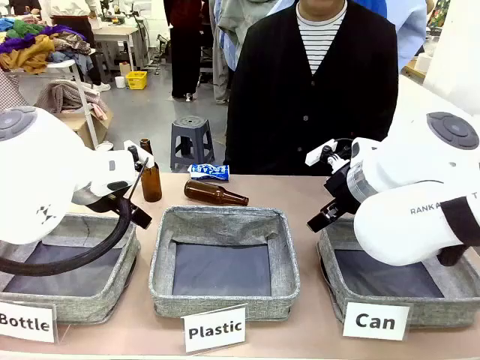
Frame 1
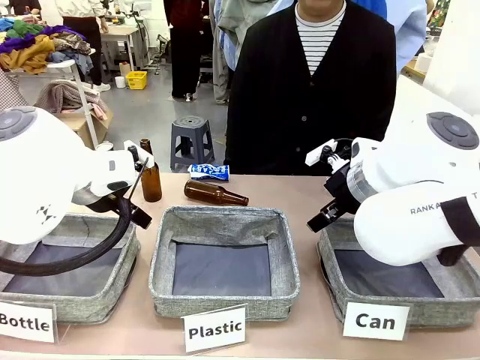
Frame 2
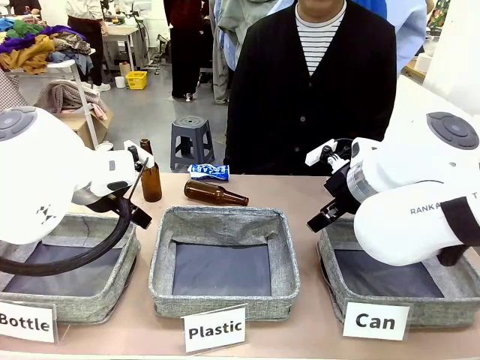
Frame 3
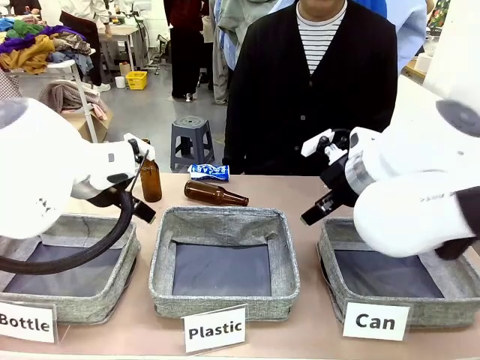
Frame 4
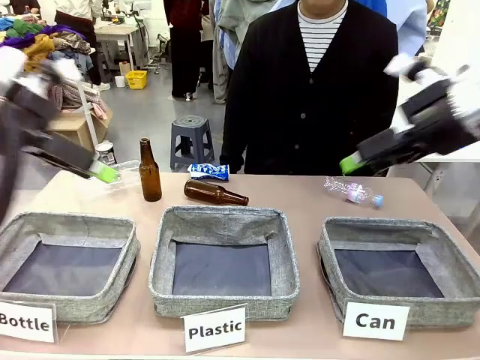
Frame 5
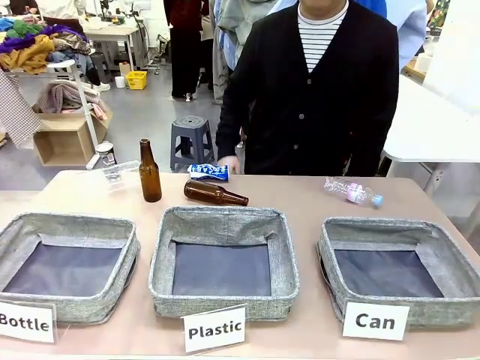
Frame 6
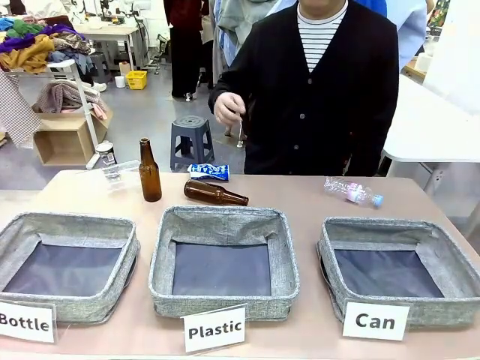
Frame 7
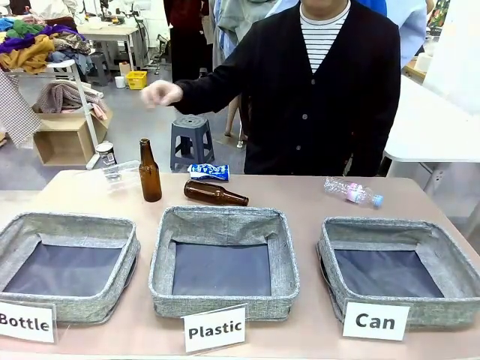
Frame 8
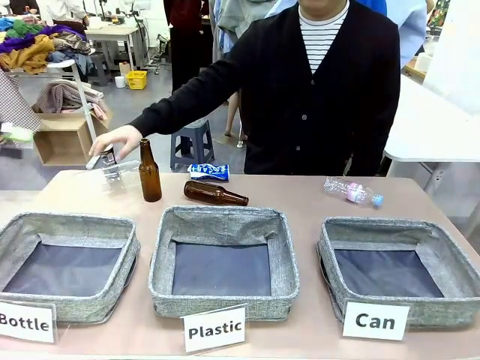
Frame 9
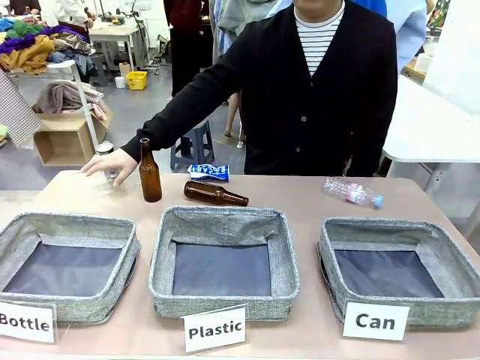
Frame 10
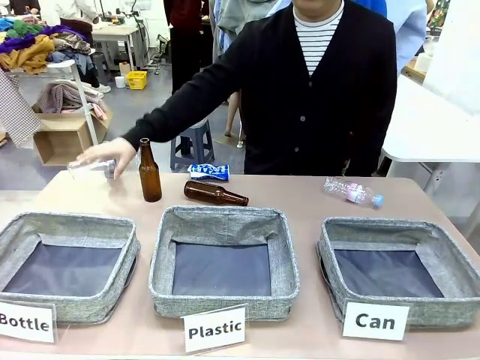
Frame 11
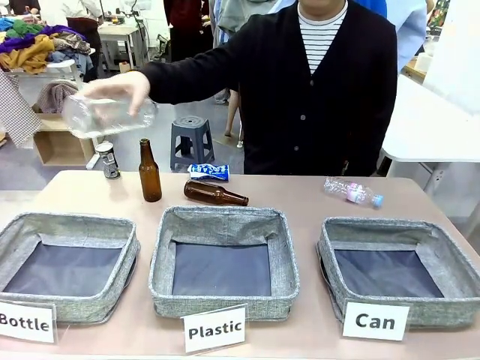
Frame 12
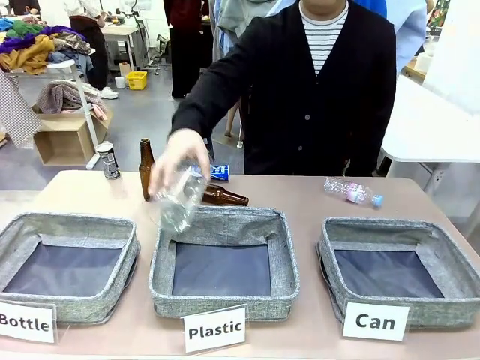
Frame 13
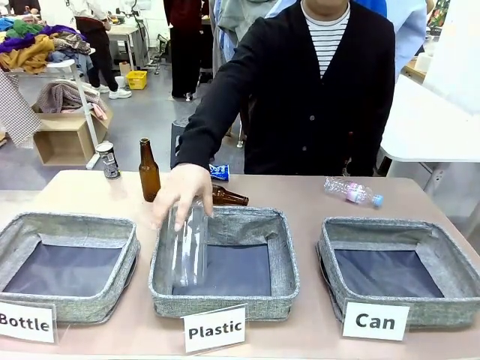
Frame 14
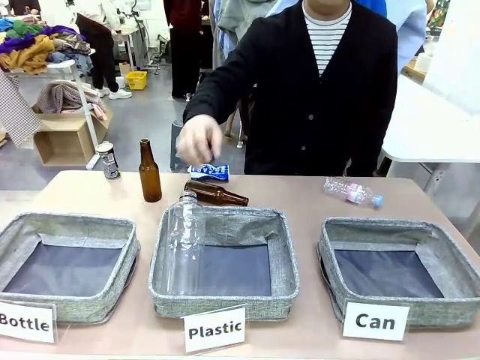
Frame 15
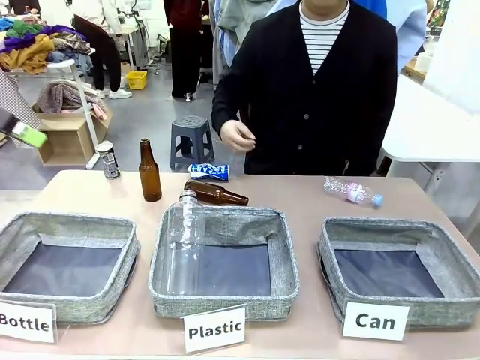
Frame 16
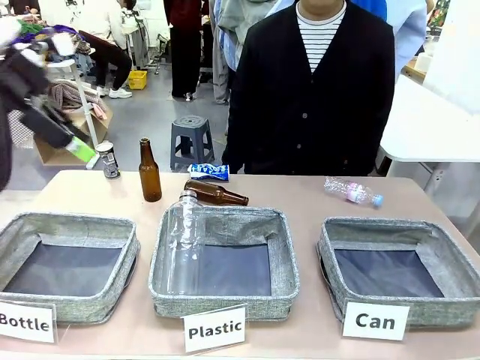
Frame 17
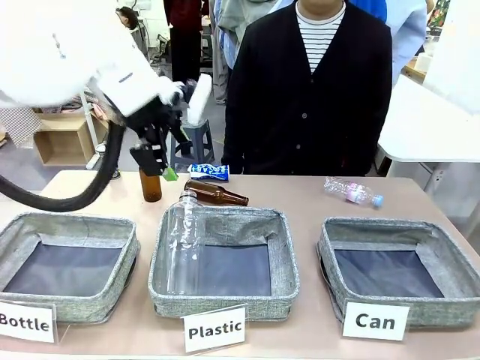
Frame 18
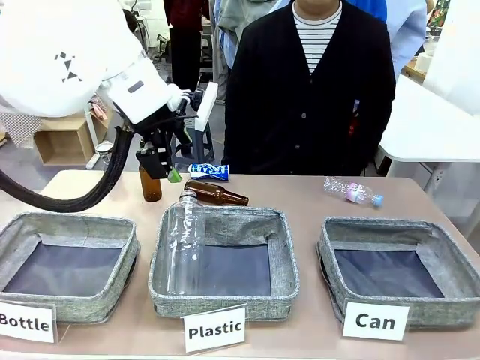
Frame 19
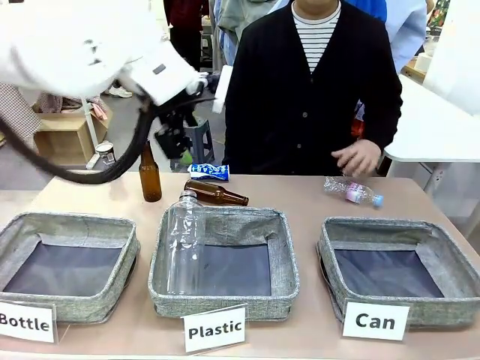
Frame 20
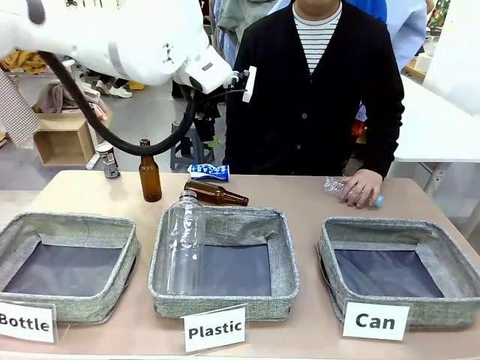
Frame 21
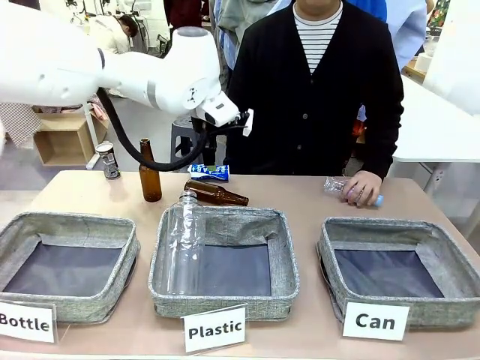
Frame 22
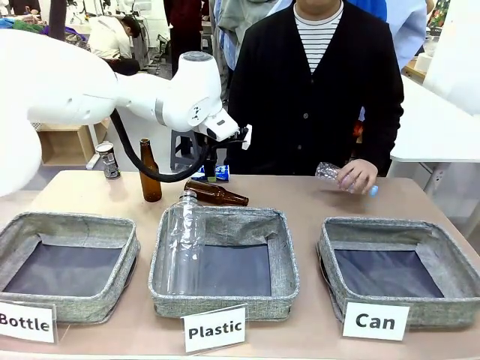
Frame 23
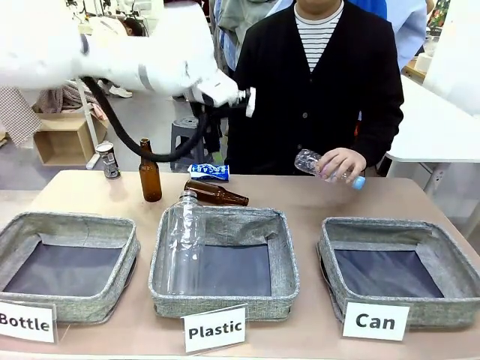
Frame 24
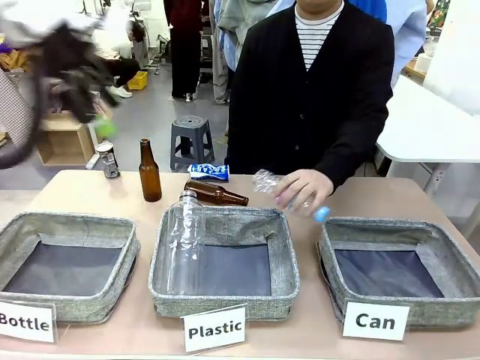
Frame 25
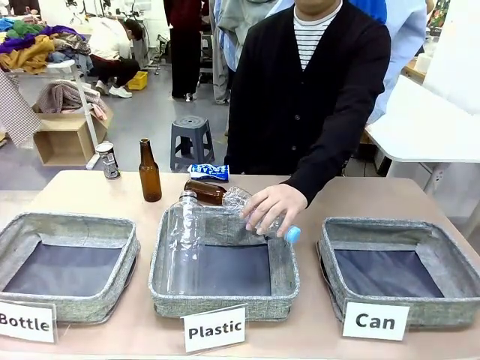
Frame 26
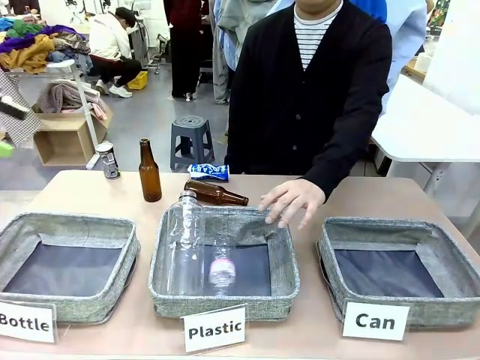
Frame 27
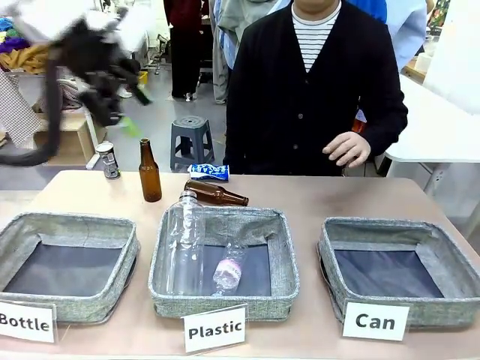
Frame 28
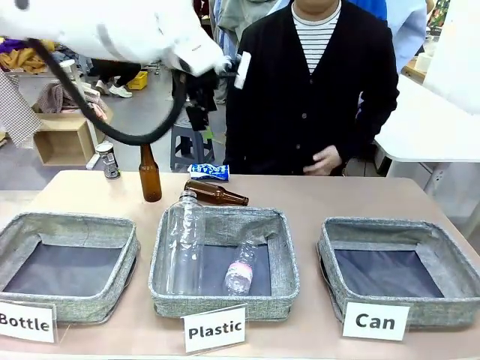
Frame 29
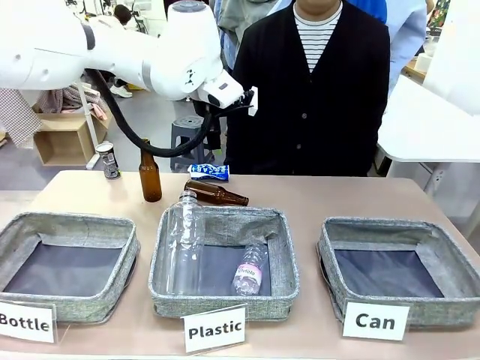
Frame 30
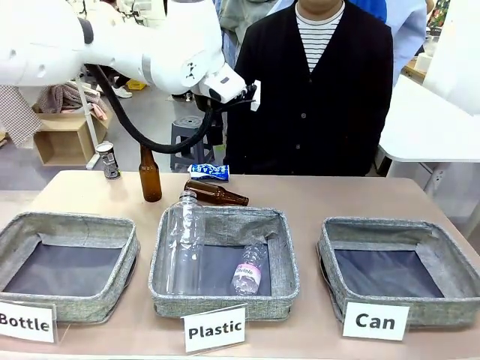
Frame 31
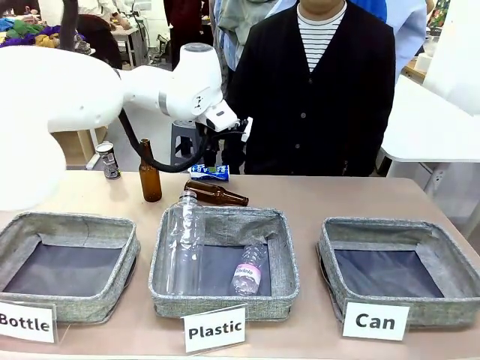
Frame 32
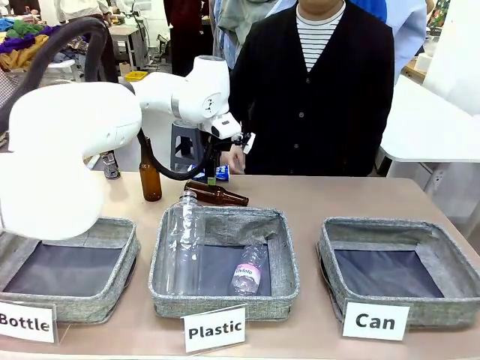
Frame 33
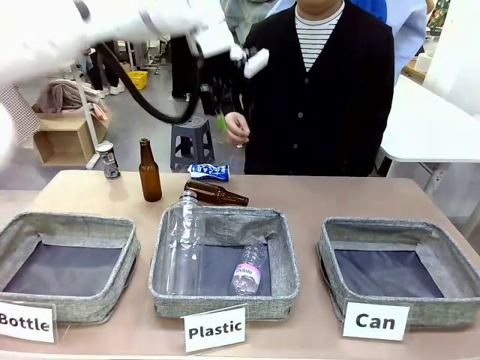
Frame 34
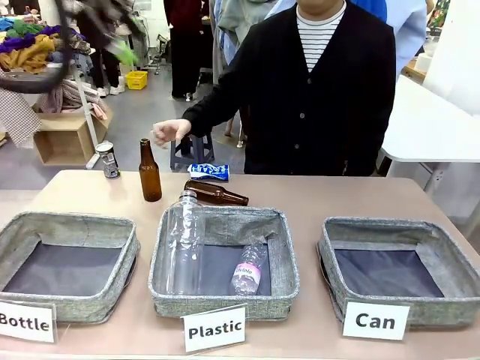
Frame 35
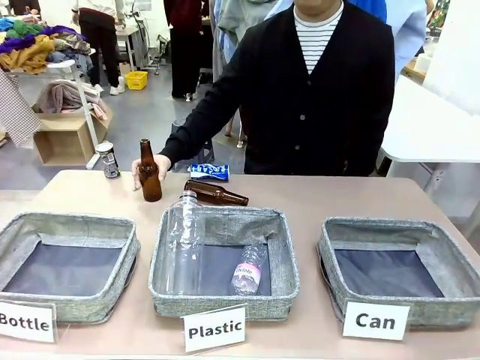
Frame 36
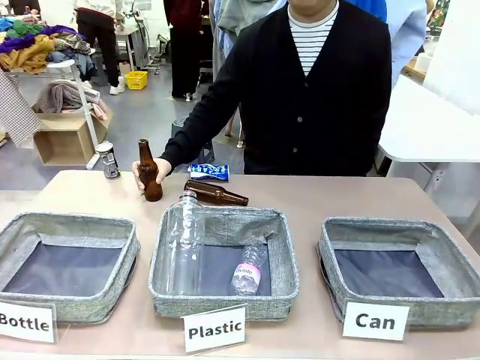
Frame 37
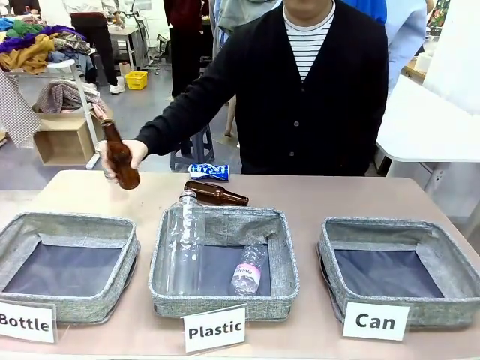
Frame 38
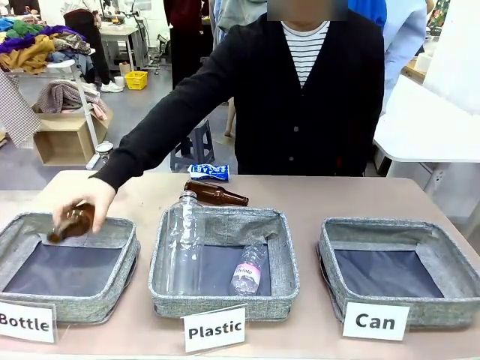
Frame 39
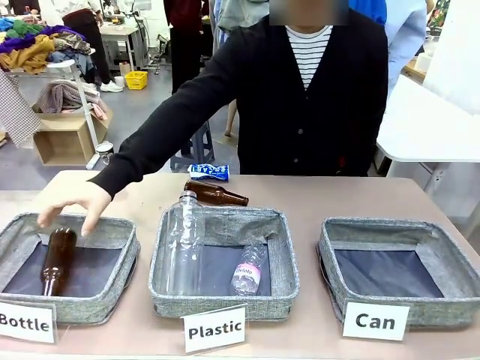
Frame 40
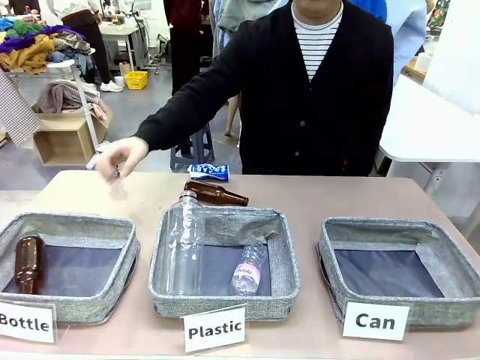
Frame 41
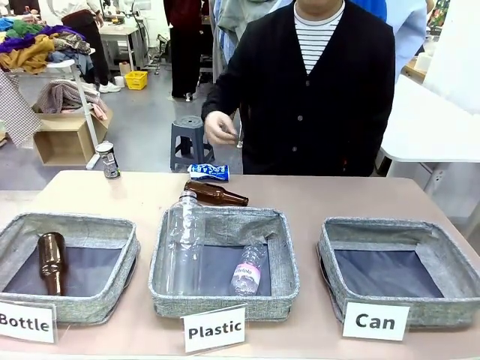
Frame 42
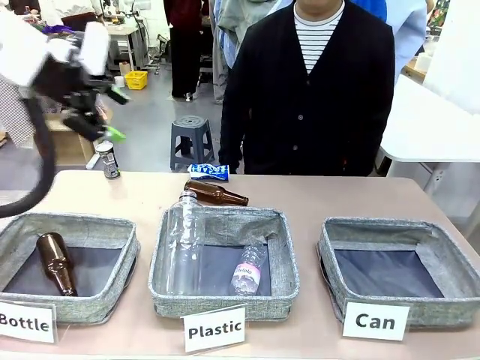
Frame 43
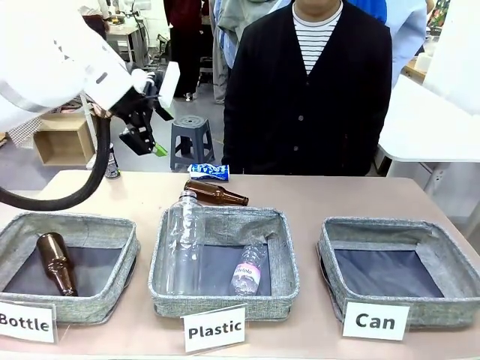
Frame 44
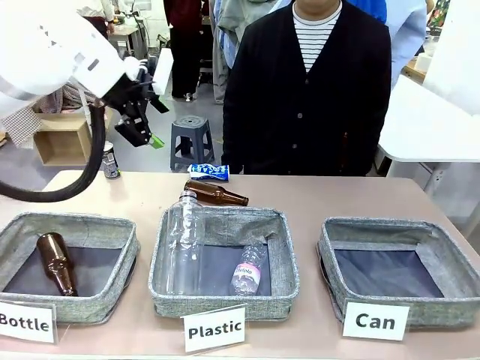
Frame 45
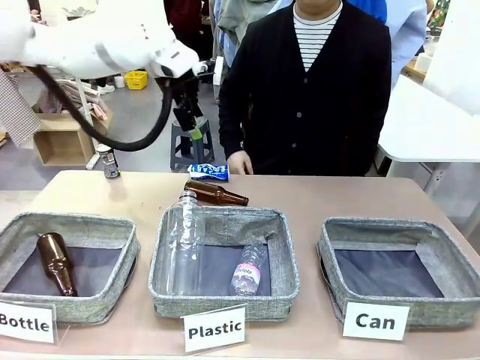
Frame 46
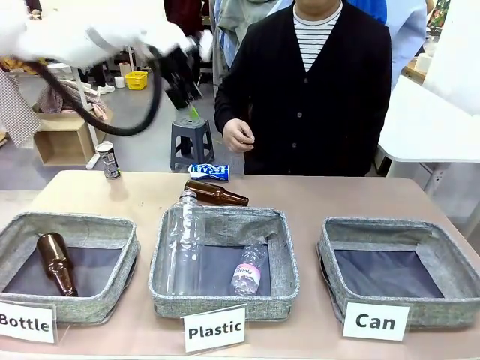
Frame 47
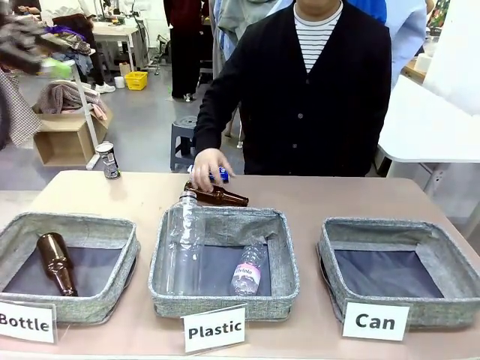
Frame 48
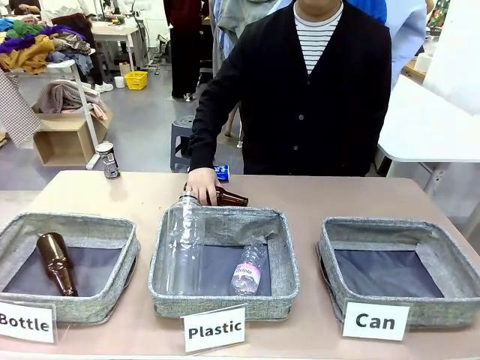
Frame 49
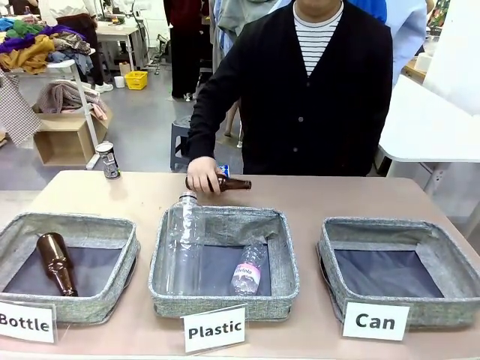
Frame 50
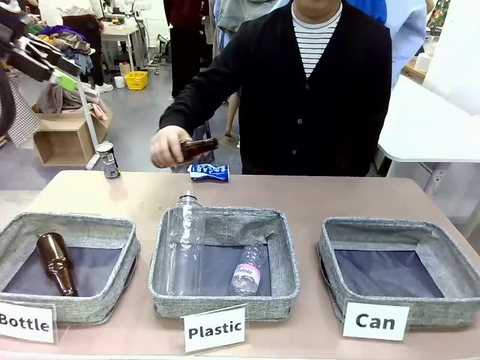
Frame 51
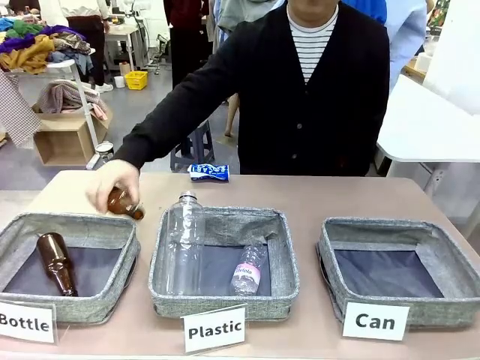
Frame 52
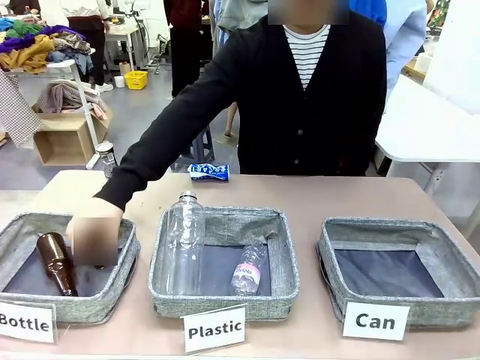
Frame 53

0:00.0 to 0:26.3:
Task: Sort the can waste into the basket.
Robot: Pick up the can waste from the table and place it in the right Fabric basket.
